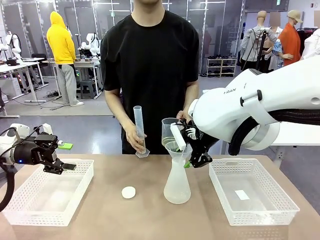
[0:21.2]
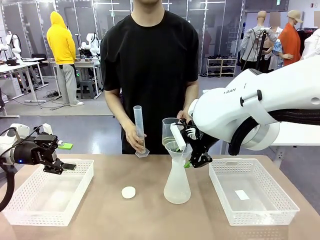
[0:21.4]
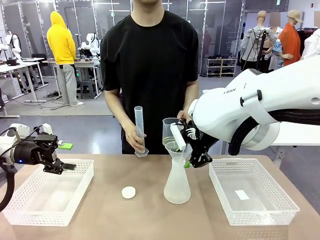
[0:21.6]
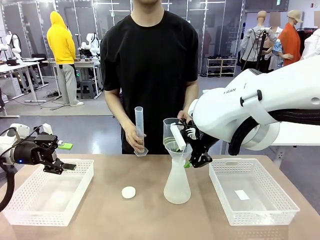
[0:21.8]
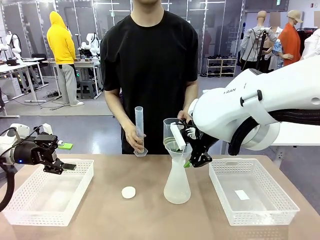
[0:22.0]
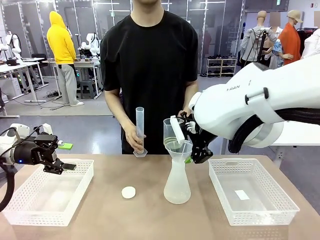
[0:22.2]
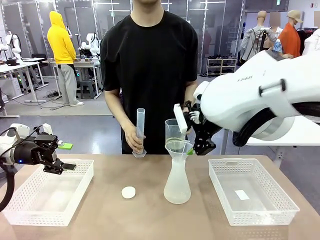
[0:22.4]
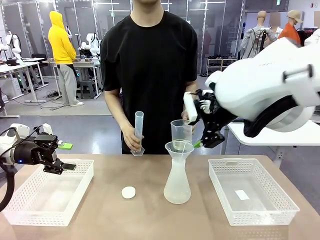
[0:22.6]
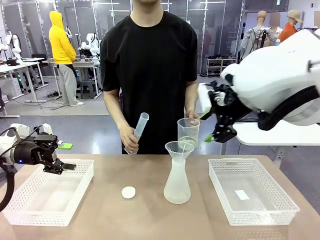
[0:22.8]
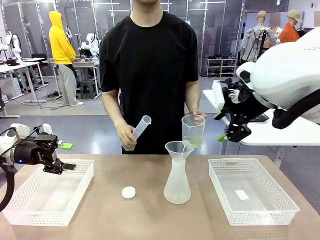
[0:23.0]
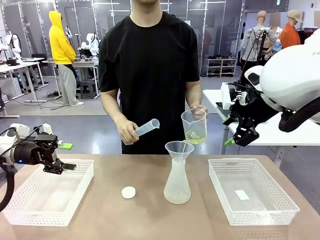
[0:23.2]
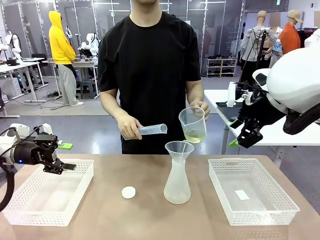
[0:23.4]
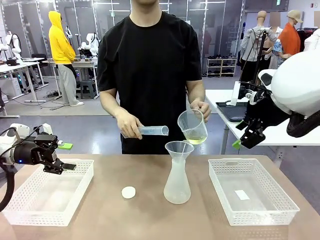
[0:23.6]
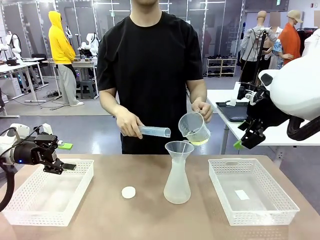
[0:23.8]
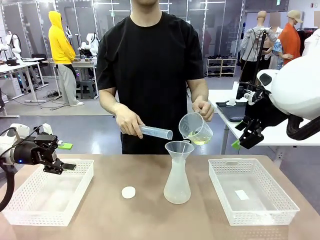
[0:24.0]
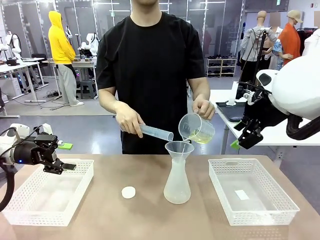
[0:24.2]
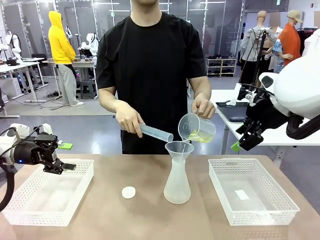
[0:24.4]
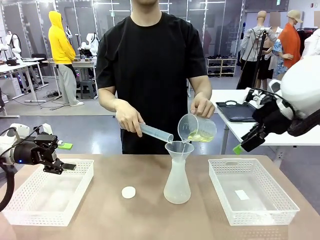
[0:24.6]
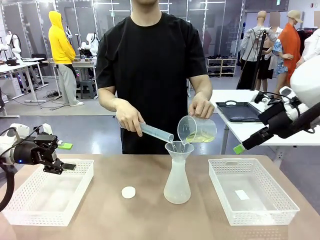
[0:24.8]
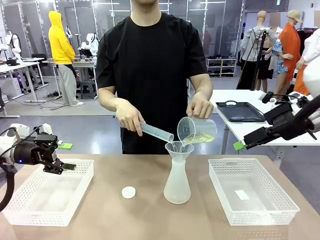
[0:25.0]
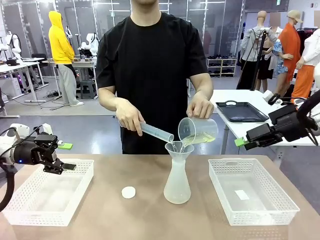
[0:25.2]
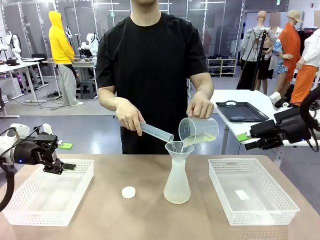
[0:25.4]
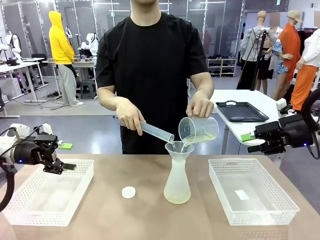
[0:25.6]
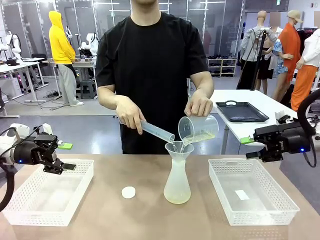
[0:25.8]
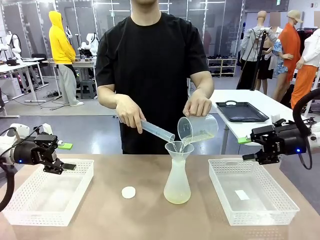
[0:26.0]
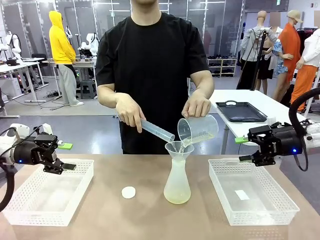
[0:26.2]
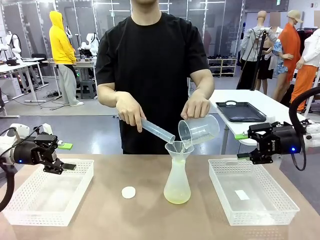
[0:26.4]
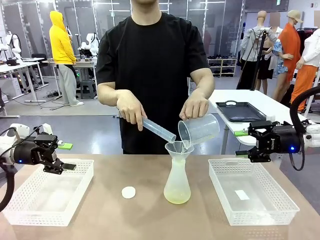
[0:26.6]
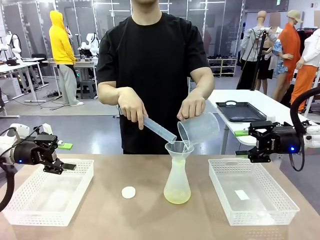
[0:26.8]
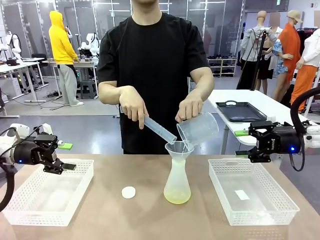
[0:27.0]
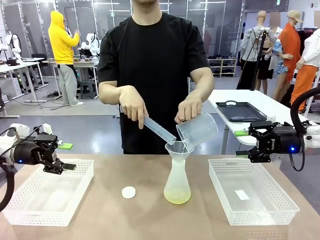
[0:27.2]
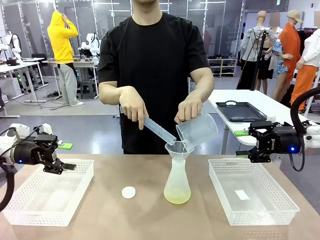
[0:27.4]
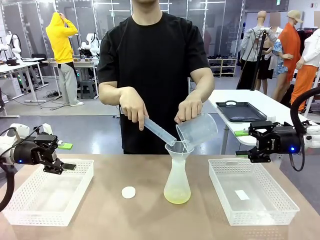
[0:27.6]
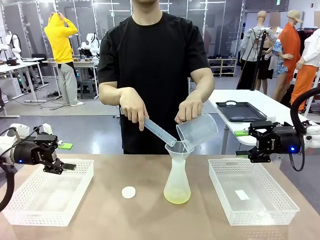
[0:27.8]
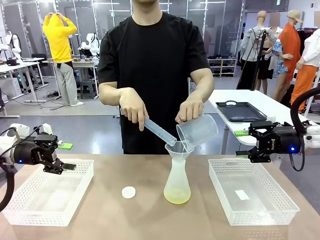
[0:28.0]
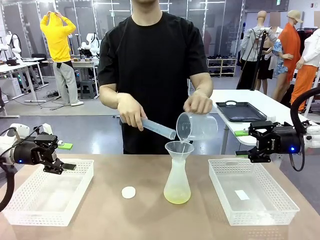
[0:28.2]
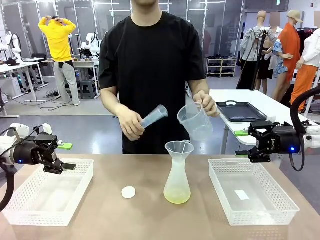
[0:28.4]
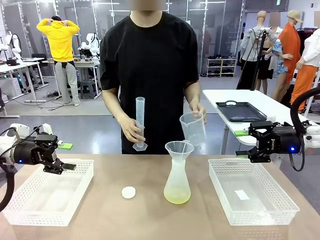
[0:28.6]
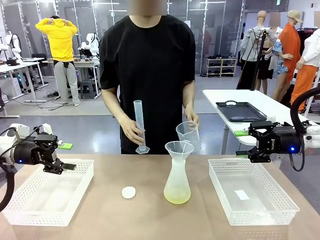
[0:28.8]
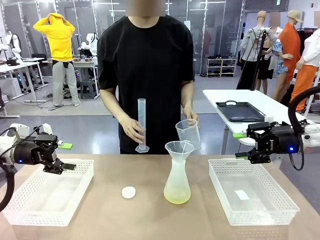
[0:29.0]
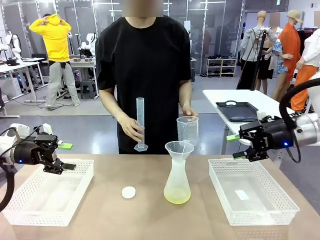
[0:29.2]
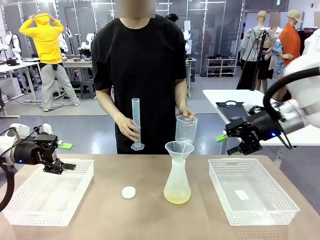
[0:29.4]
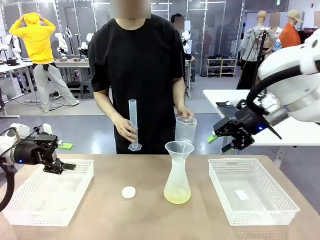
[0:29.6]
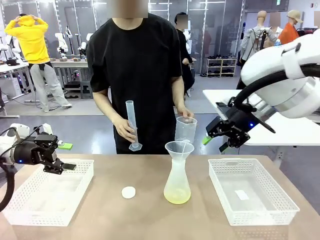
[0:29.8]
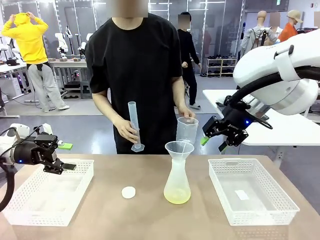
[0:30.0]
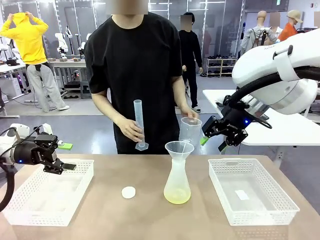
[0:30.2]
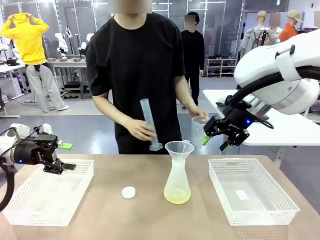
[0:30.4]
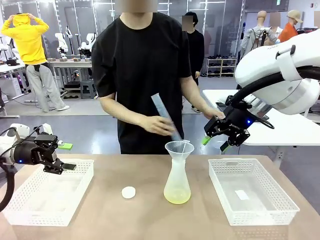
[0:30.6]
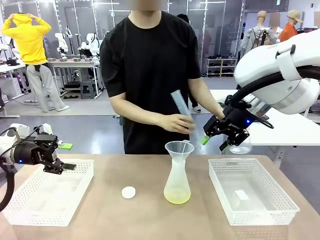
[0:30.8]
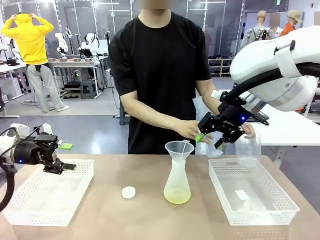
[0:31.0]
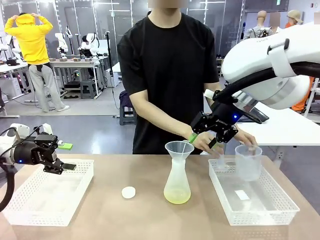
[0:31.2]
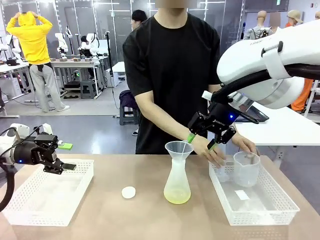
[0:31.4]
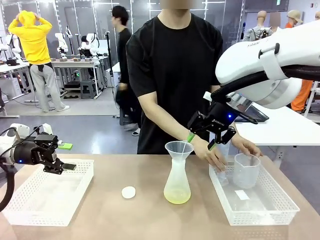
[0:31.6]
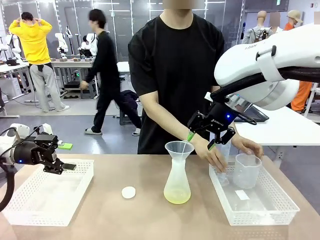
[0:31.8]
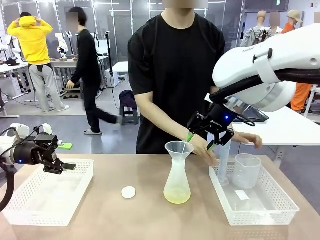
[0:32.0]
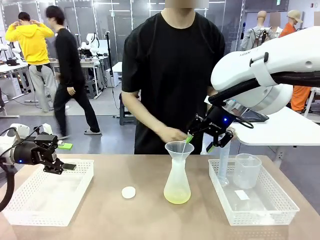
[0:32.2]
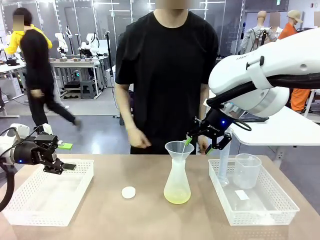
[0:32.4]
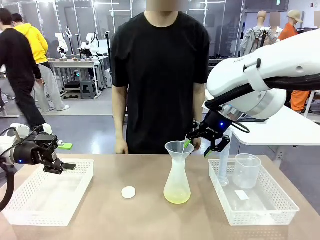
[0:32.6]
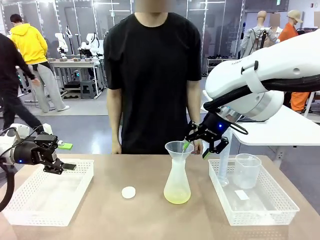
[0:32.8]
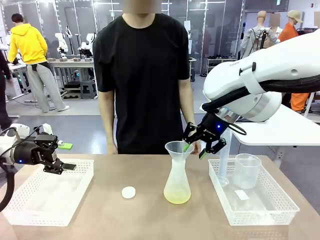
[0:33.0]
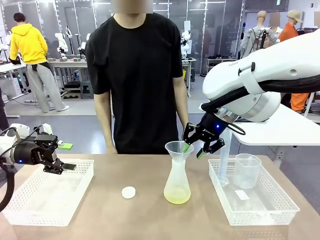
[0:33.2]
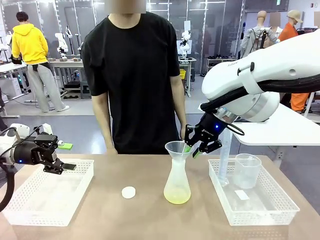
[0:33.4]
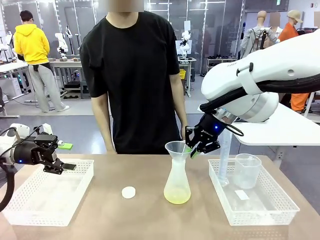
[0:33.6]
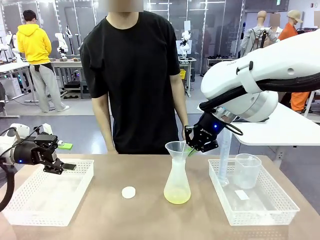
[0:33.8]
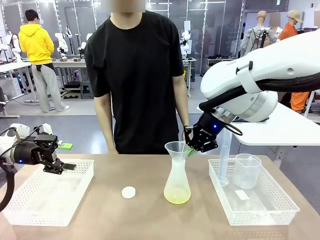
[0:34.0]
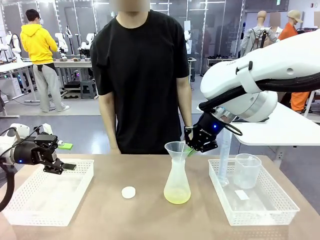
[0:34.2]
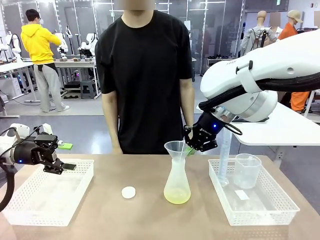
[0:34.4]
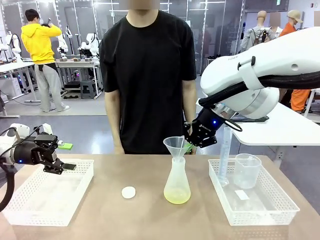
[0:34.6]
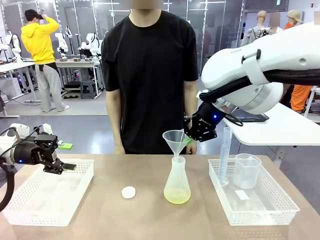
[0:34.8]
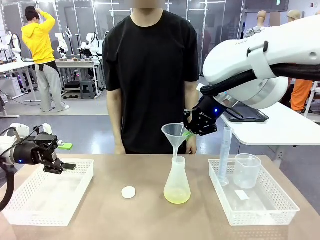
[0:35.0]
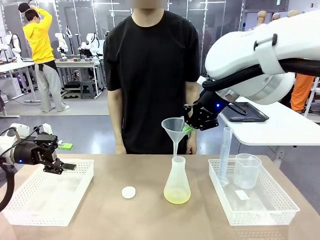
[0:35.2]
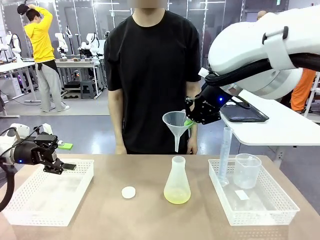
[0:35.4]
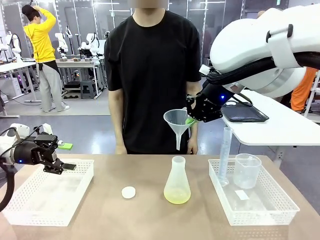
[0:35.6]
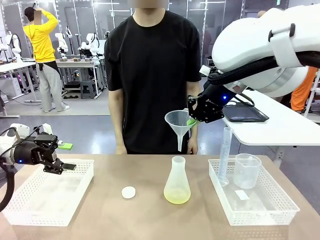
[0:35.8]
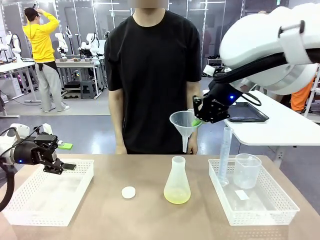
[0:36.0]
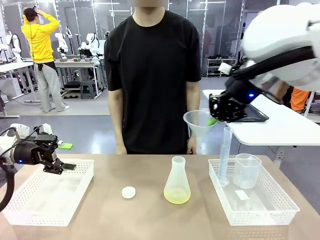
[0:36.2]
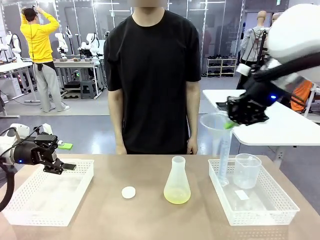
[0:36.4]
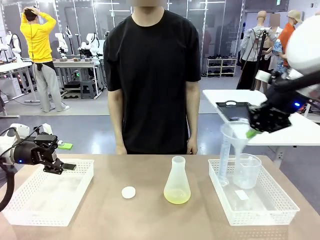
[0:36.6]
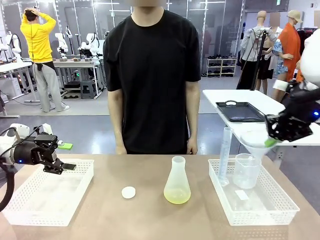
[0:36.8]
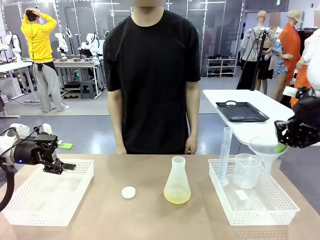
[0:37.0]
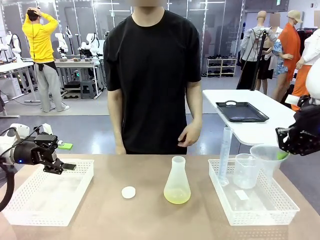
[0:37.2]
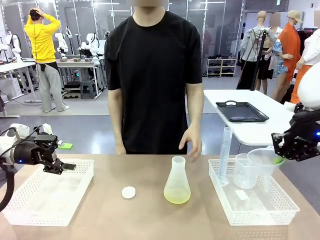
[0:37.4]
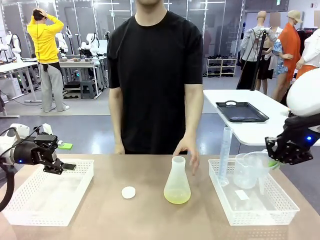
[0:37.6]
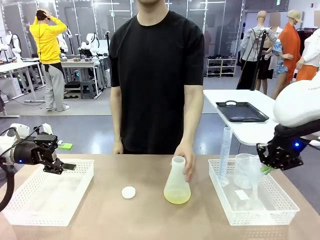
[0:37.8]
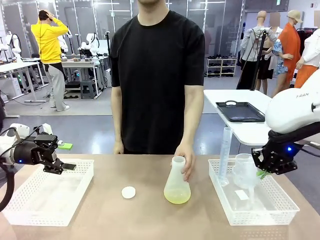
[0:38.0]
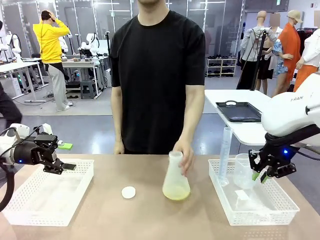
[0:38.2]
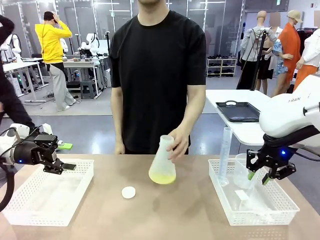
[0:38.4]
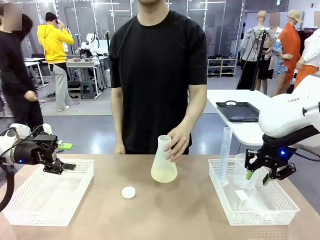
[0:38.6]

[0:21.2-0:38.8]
Task: Prepare the solutions needed for the experiment.
Robot: Once the solution is in the Big flask , pick up the Plastic Funnel and place it back into the right Organizing basket.
Person: Place the beaker and the cylinder into the organizing basket on the left side.
